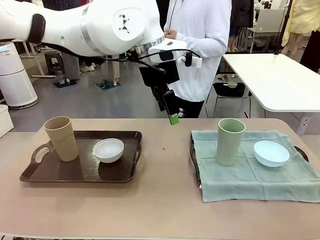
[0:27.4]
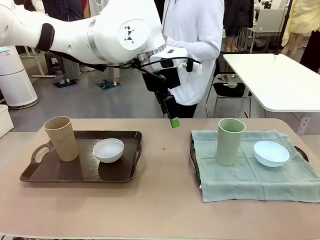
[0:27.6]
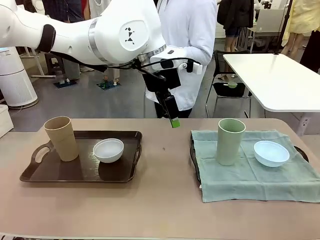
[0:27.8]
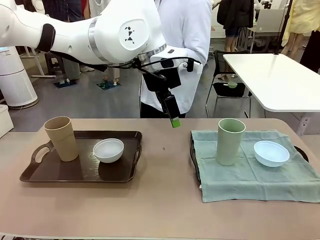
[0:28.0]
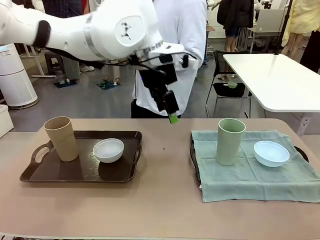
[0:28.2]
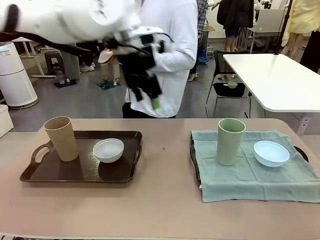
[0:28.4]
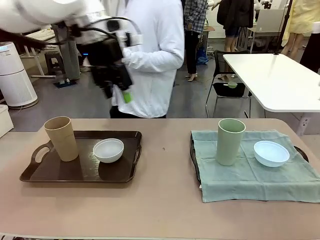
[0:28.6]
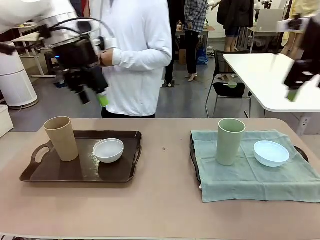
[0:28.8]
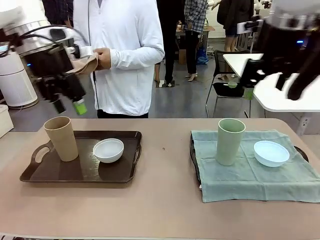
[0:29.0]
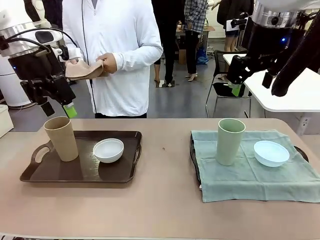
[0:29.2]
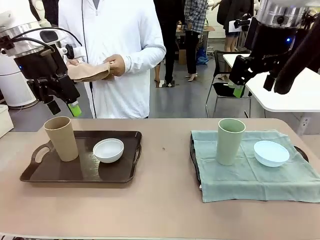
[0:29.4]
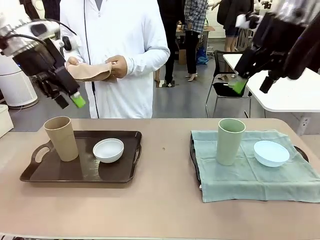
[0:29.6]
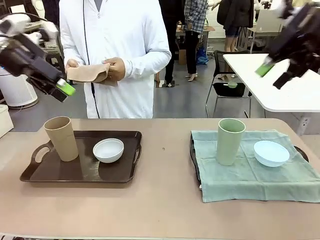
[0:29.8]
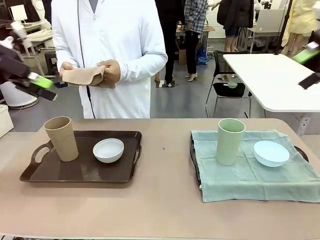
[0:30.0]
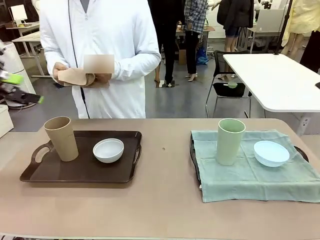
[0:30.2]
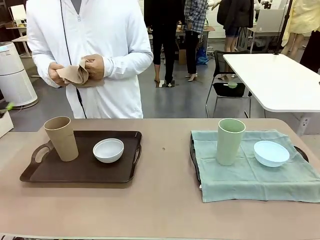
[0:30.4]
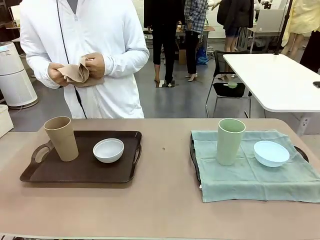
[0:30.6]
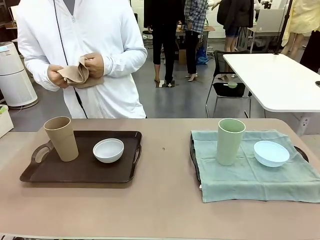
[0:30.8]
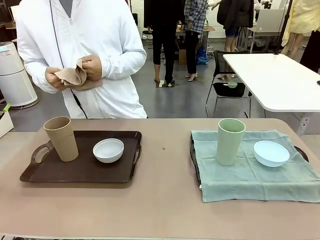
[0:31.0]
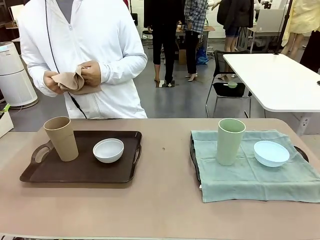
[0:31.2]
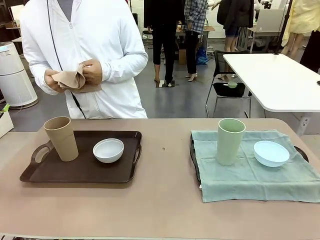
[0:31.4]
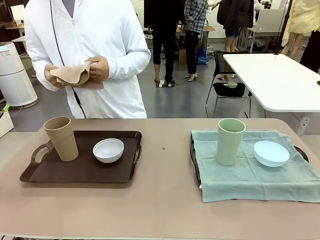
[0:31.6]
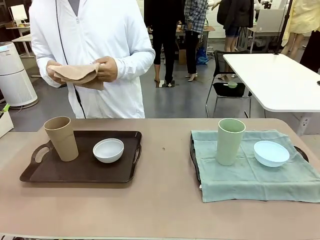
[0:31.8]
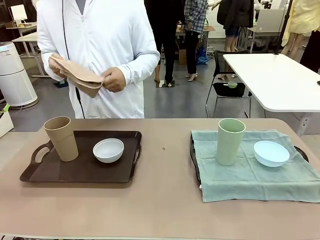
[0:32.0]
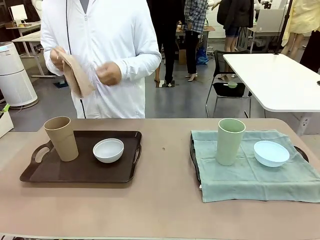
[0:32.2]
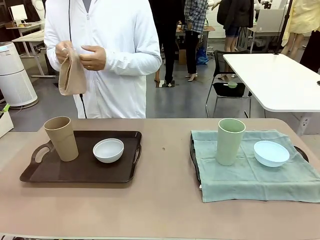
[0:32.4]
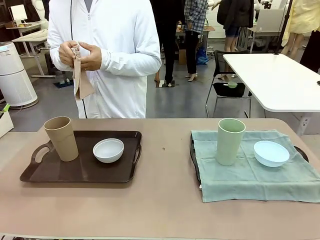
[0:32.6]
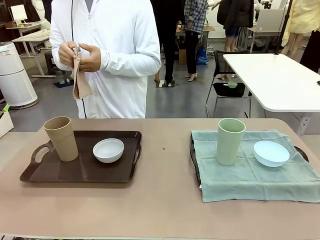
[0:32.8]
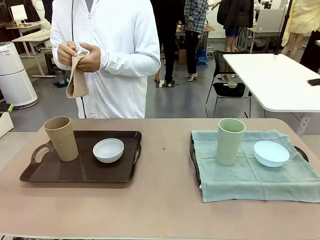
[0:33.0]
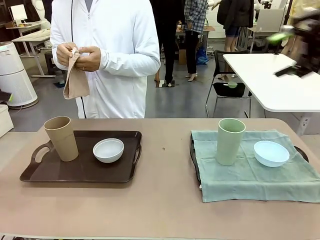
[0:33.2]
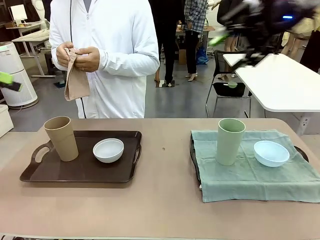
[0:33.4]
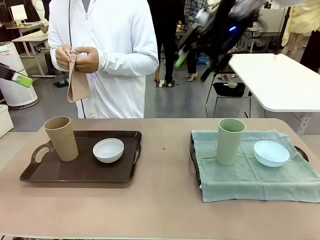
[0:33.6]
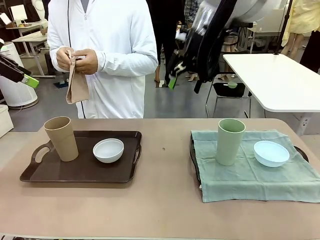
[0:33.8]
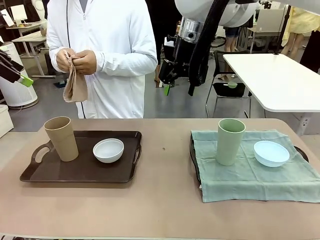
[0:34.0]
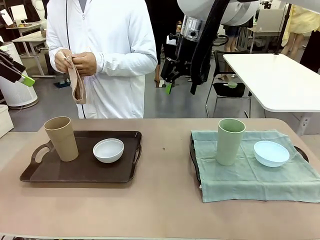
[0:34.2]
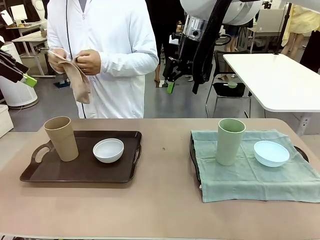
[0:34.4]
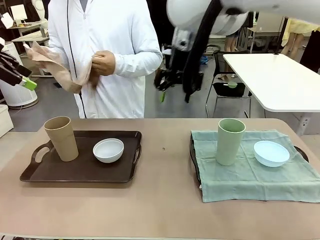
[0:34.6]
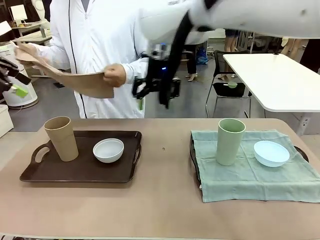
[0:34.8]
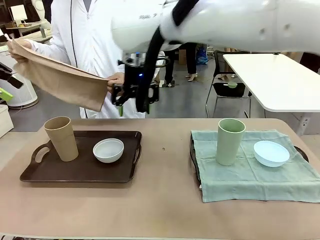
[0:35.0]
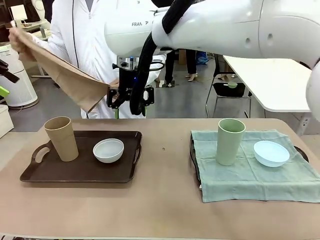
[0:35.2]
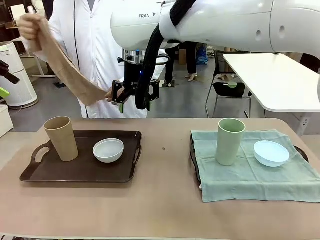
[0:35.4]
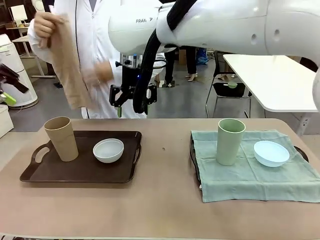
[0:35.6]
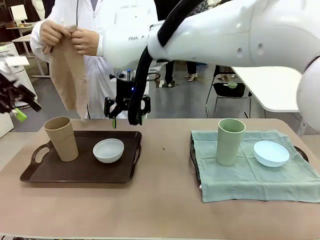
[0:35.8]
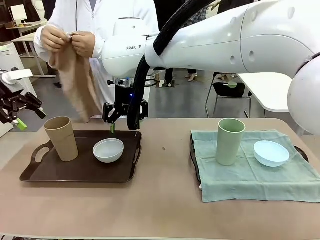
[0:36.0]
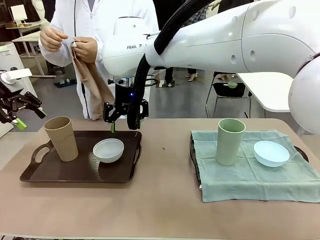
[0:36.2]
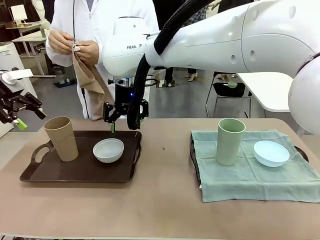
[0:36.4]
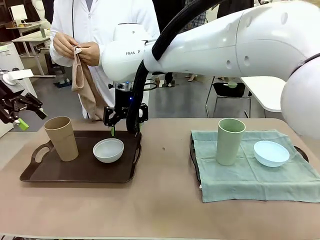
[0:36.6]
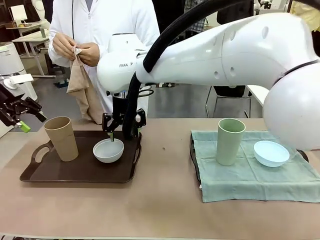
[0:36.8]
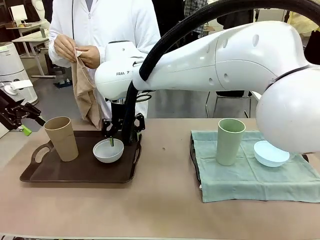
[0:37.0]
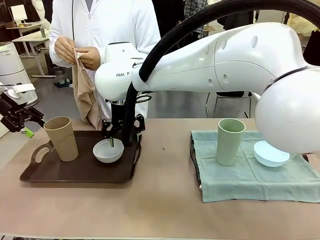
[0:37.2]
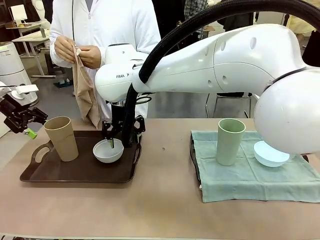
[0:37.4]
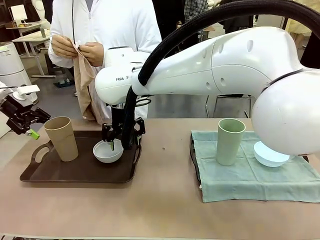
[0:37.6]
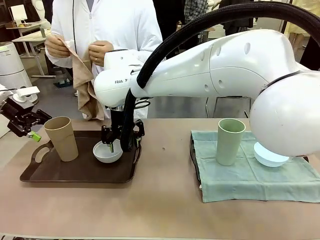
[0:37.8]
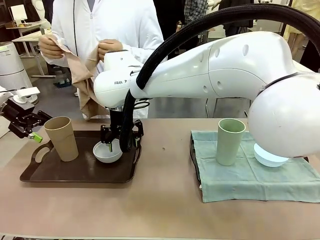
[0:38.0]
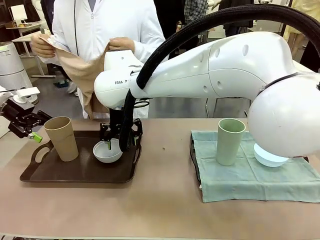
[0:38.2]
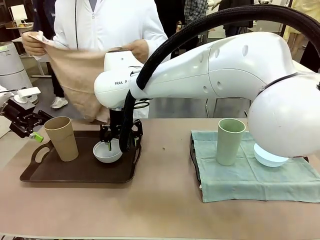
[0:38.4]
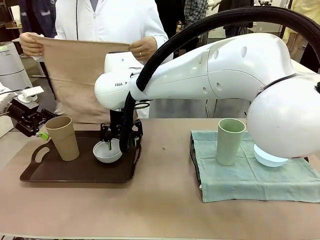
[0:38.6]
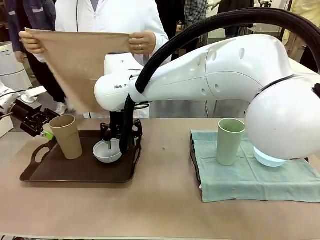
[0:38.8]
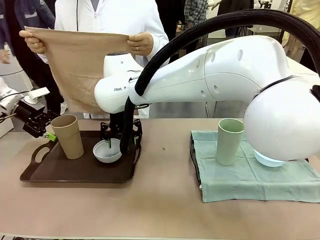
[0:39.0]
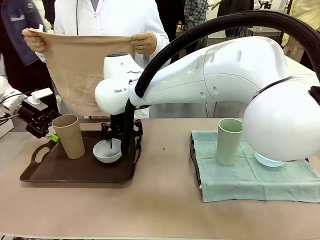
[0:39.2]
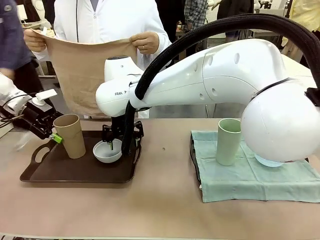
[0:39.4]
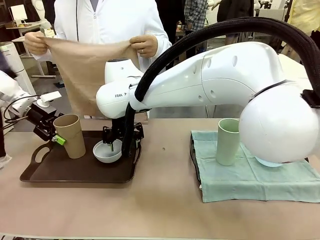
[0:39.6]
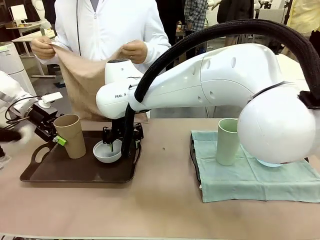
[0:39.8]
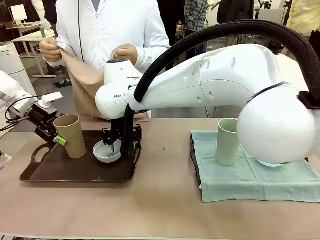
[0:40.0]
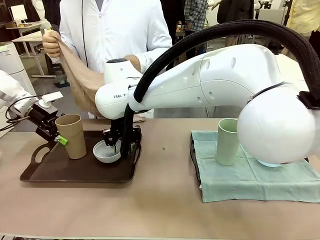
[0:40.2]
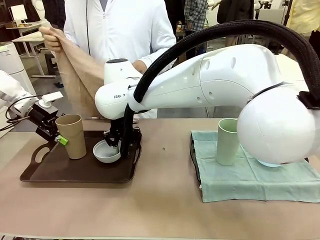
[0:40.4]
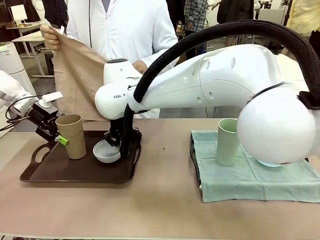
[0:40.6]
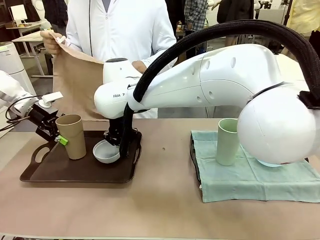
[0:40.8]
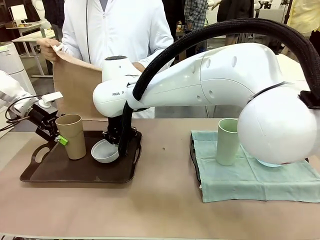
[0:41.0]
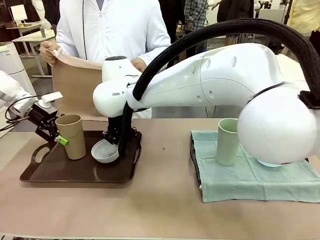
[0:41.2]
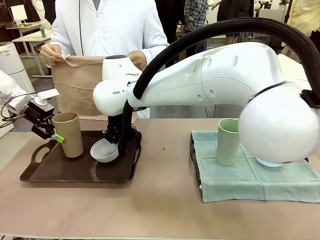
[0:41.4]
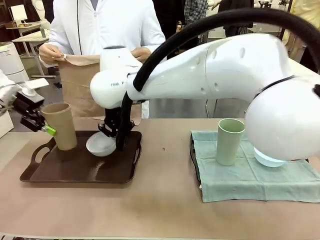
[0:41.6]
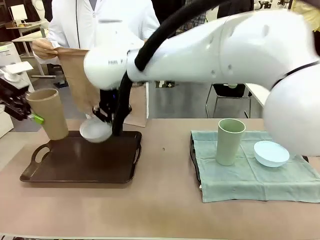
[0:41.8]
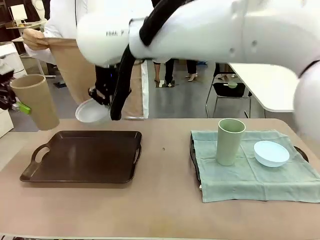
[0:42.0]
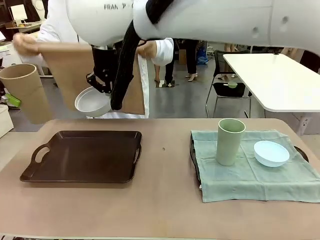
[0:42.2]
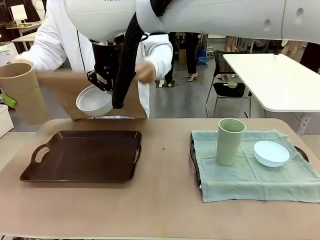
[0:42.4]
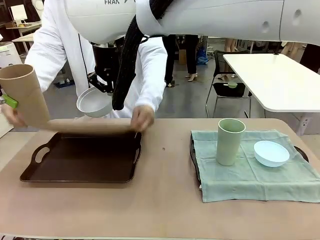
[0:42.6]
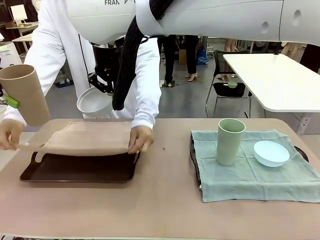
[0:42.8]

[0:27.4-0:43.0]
Robot: Pick up the Picnic Bowl and Reusable plastic cup from the Handle tray in front of the human's position and hold them in the air.
Person: When the robot lifts the bowl and the cup, the human unfolds the napkin and lays the napkin flat on the tray.

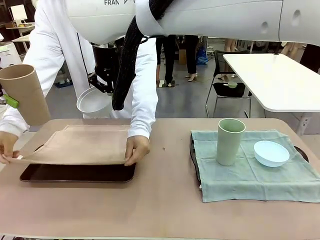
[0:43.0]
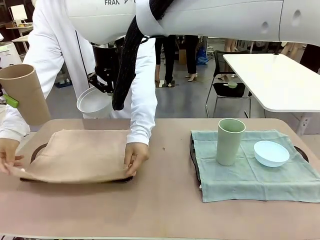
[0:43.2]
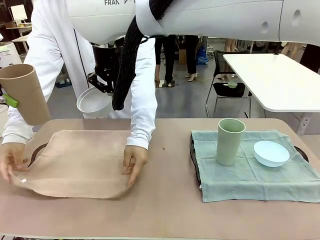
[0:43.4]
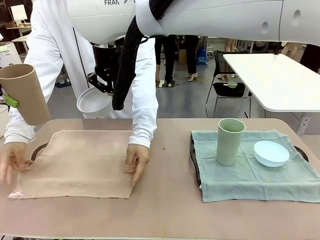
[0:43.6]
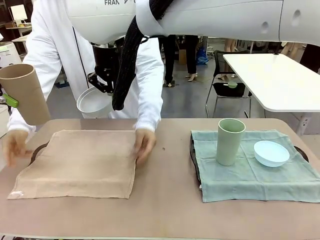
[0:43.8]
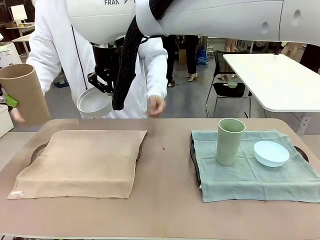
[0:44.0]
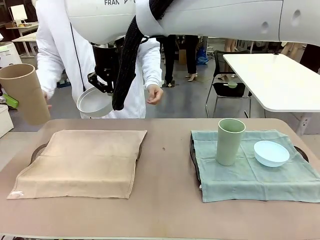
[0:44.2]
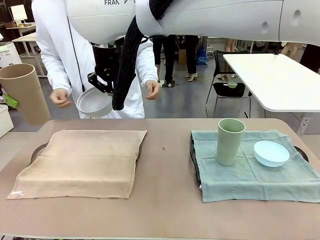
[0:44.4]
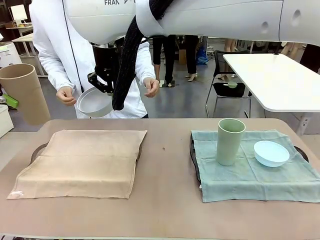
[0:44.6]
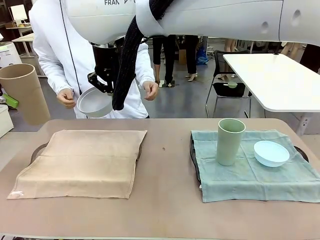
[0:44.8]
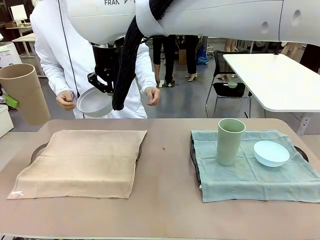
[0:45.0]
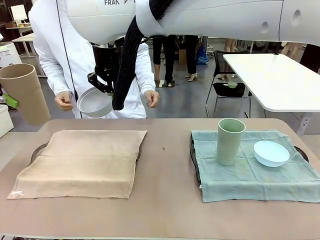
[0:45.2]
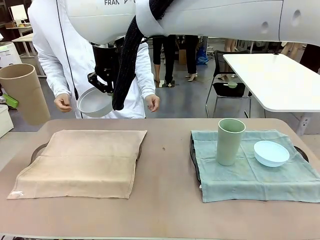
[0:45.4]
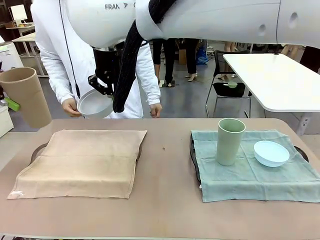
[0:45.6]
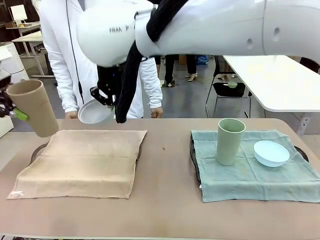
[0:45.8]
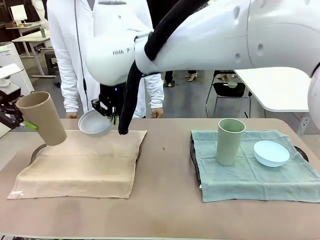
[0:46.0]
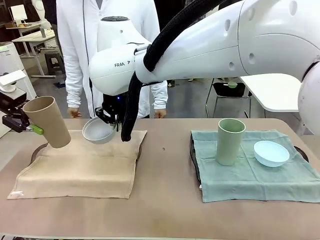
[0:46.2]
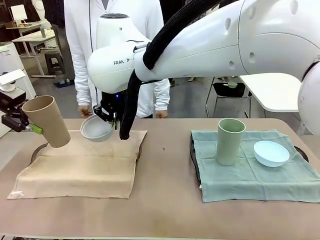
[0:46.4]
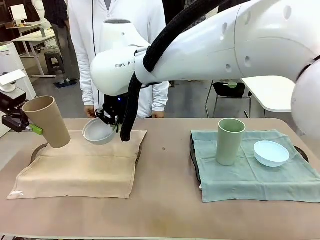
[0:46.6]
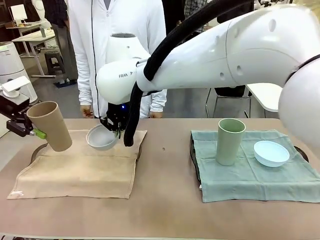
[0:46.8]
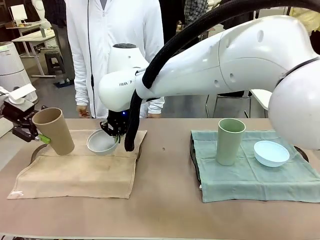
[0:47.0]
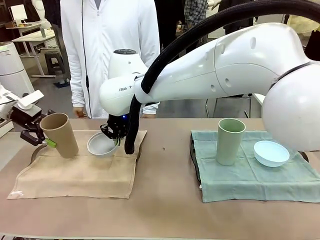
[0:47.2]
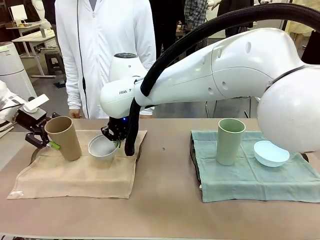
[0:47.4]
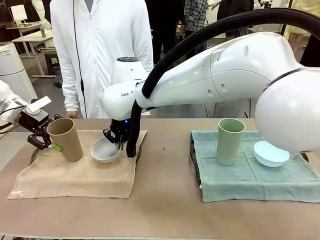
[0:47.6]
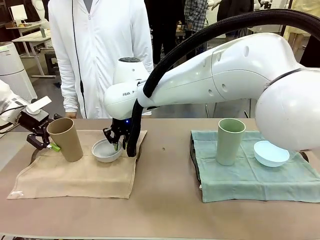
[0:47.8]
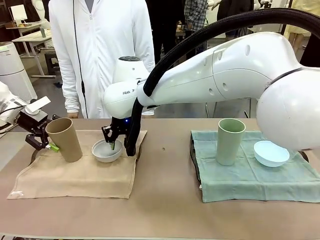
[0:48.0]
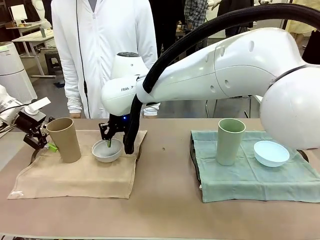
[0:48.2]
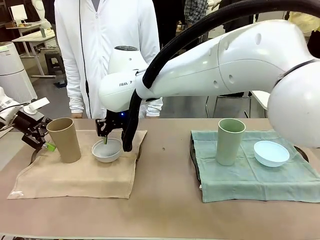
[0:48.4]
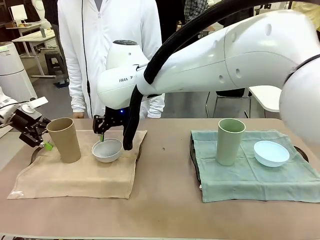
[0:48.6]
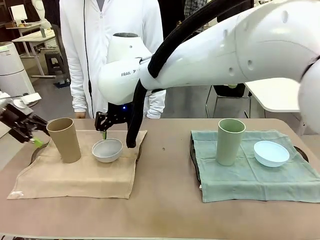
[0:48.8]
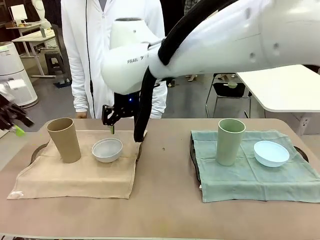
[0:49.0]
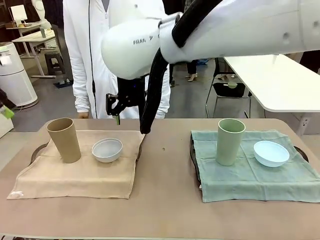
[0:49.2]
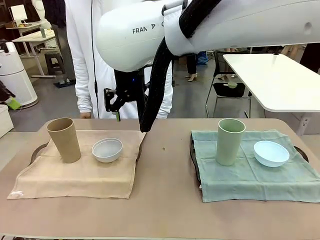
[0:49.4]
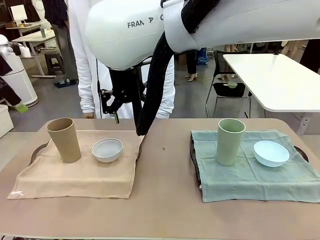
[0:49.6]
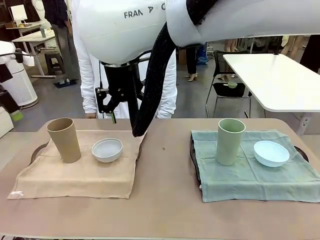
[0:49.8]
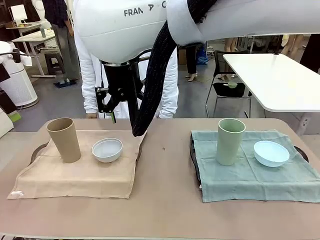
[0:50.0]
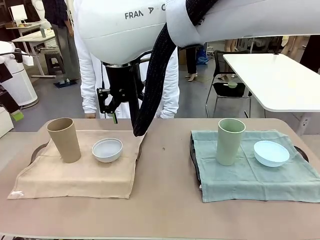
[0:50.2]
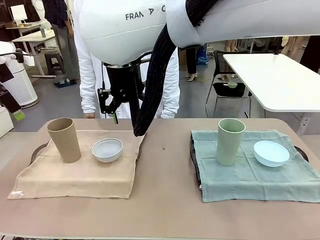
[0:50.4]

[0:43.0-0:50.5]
Robot: Place the Picnic Bowl and Reusable plastic cup back onto the Handle tray in front of the human's position.
